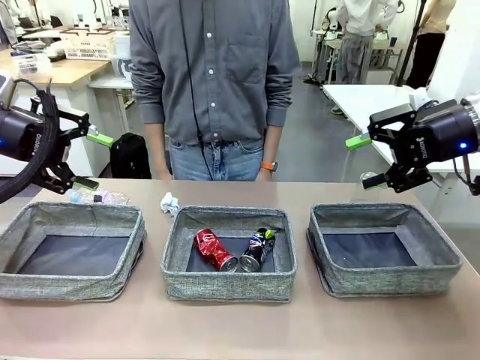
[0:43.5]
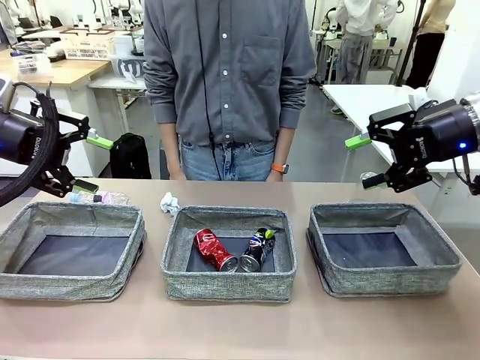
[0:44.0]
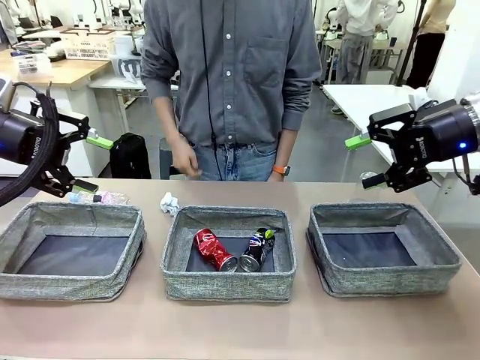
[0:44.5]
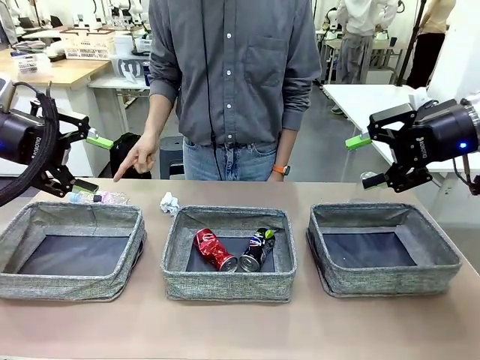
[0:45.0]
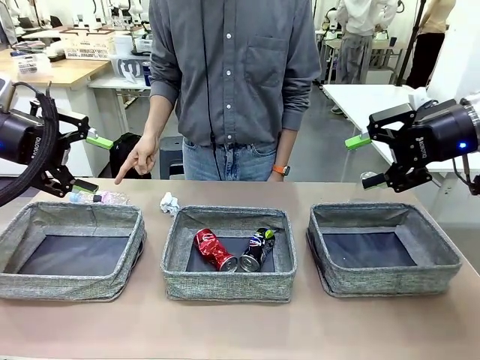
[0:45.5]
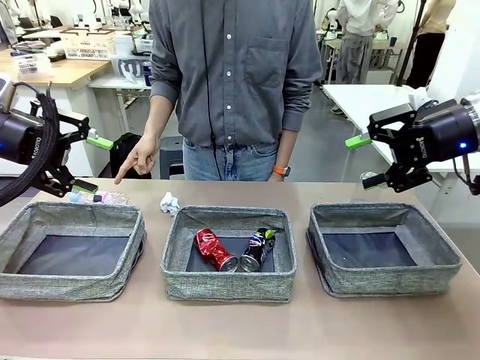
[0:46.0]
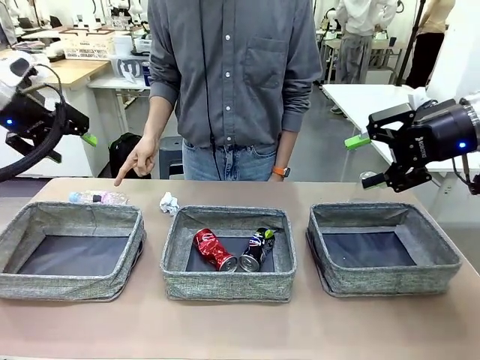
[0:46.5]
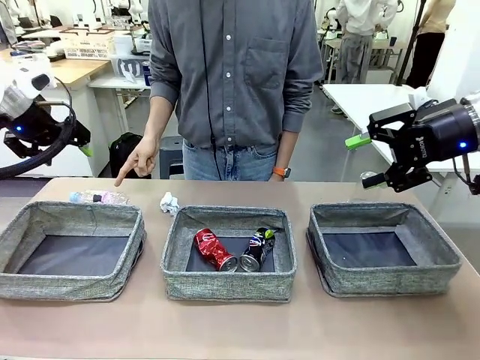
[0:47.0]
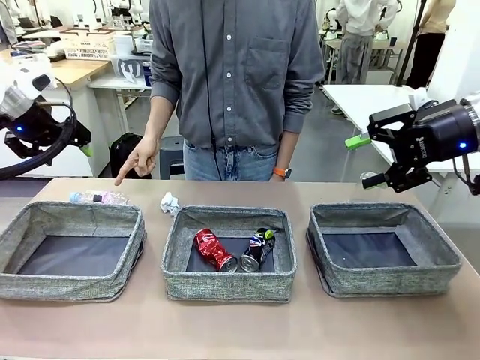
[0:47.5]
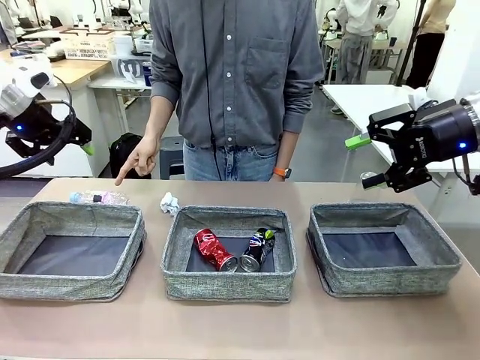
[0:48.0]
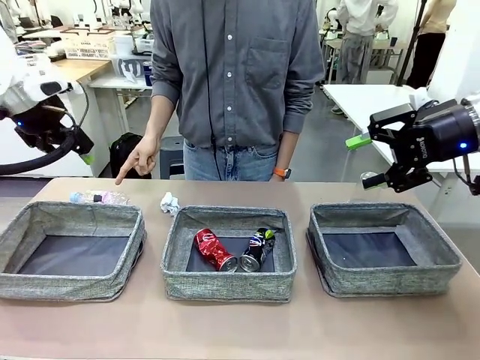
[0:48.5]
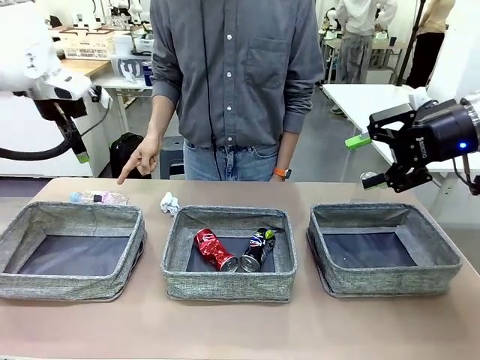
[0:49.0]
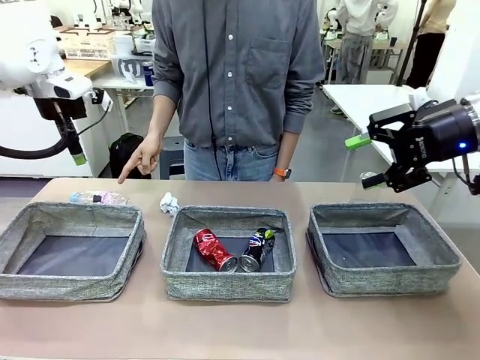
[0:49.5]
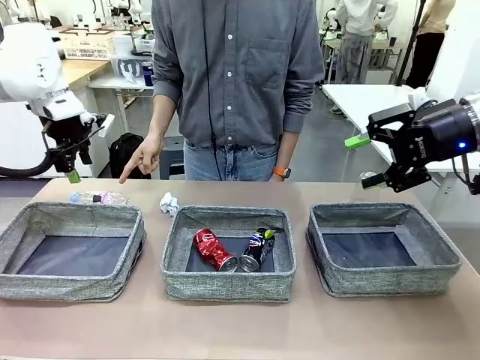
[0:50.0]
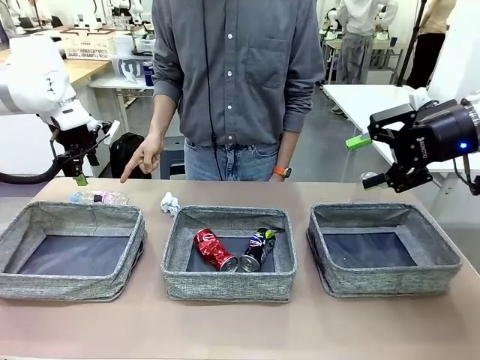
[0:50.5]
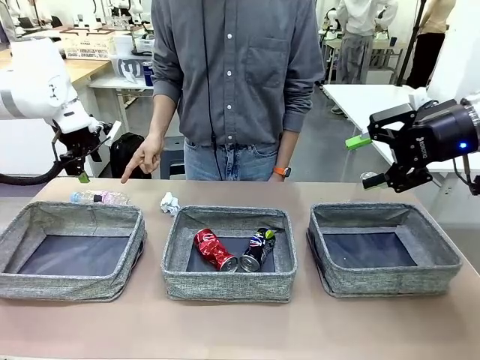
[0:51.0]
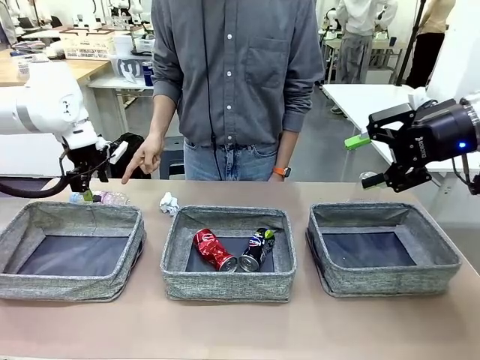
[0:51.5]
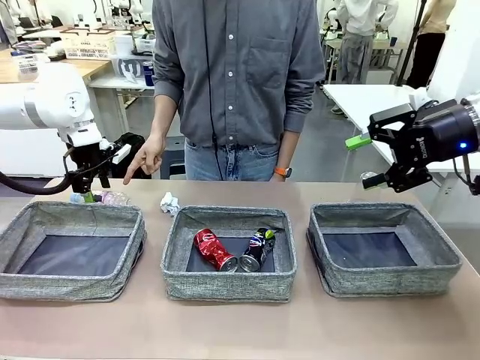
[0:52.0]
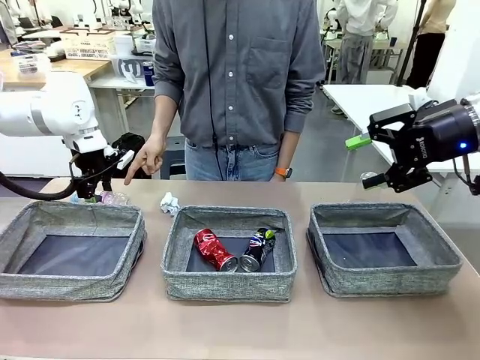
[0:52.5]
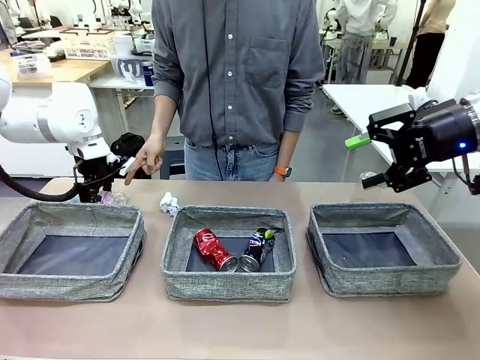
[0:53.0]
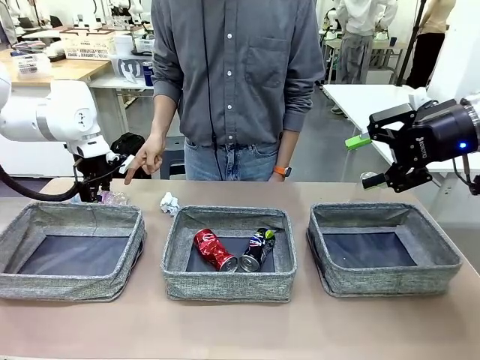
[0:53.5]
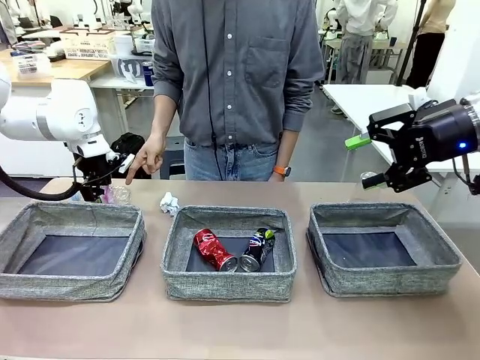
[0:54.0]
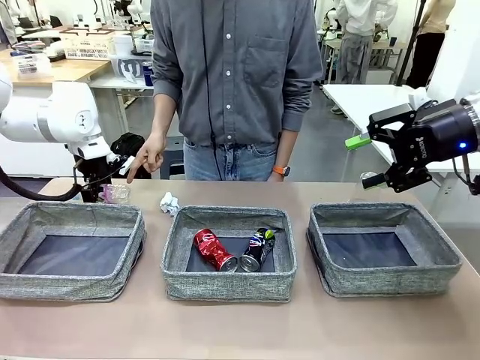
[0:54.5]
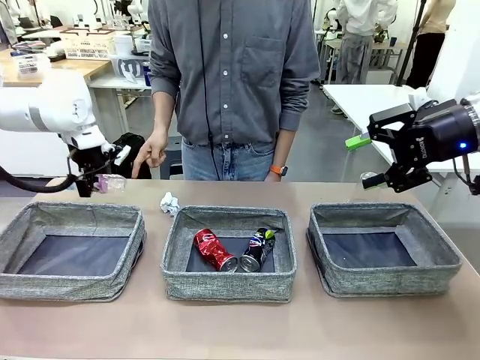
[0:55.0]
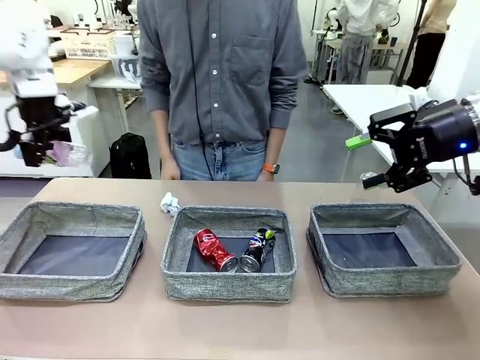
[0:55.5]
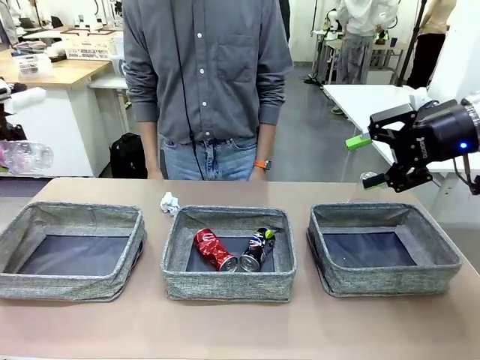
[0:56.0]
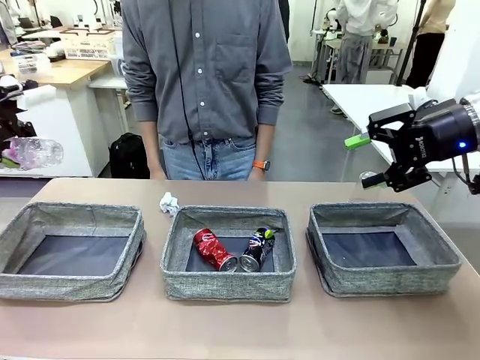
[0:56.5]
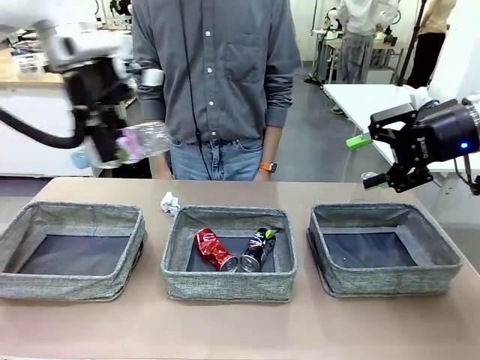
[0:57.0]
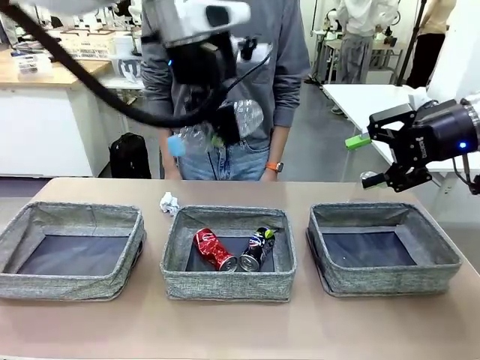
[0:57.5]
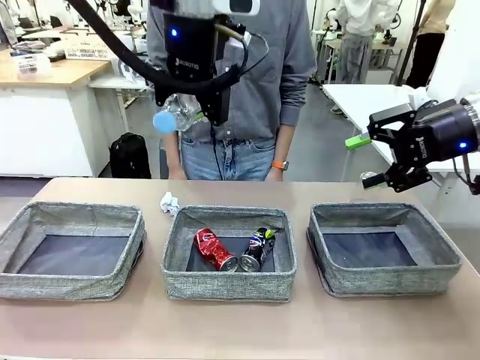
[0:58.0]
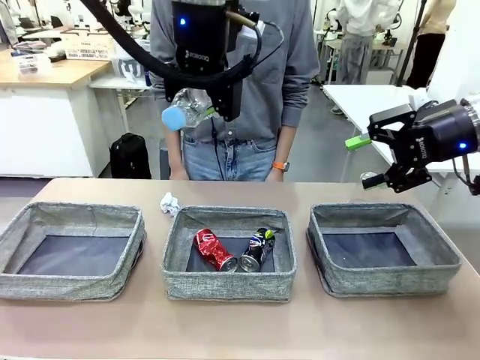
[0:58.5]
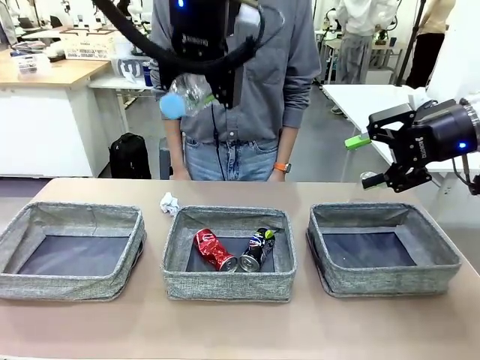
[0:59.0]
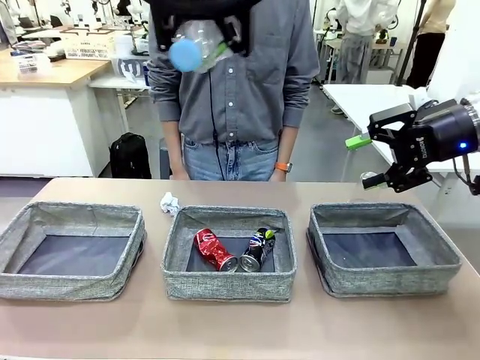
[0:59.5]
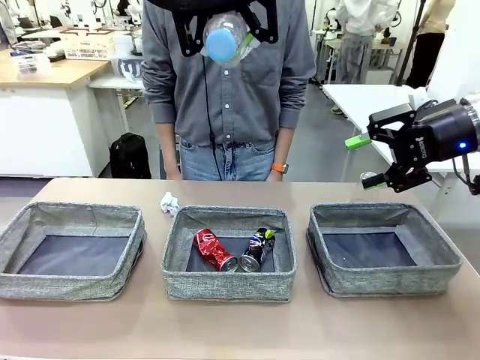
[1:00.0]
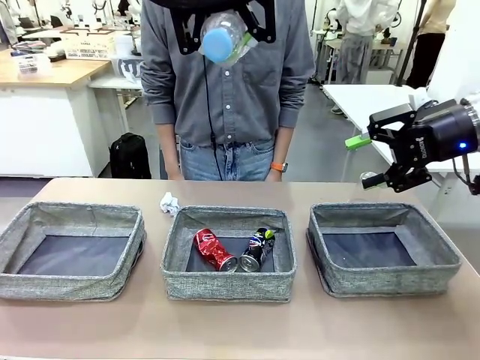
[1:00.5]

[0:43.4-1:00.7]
Task: Sort the waste into the appropriate baskets.
Robot: Pick up the waste item pointed out by the person.
Person: Points to one piece of trash on the table.

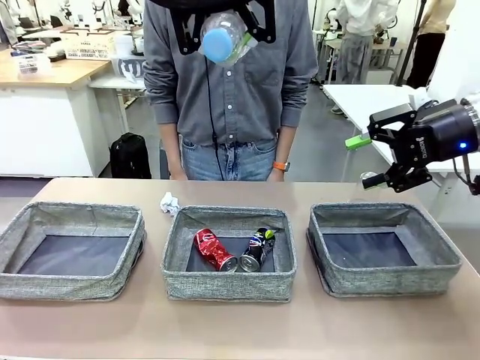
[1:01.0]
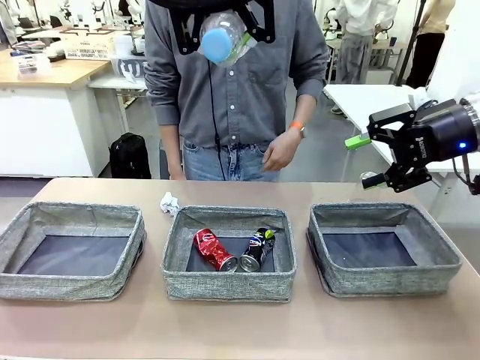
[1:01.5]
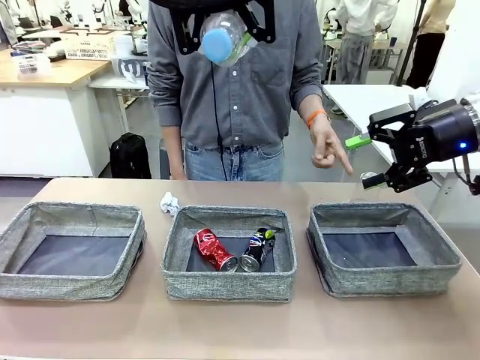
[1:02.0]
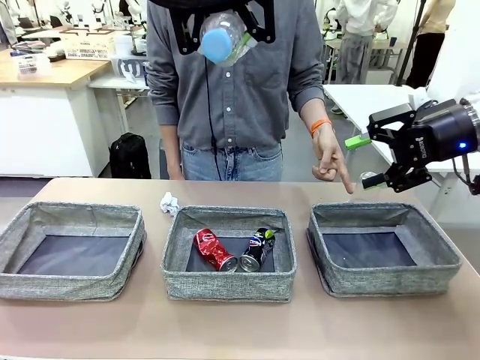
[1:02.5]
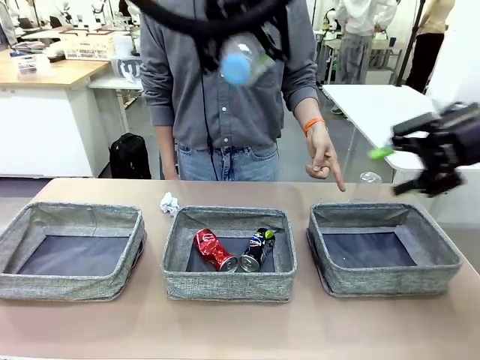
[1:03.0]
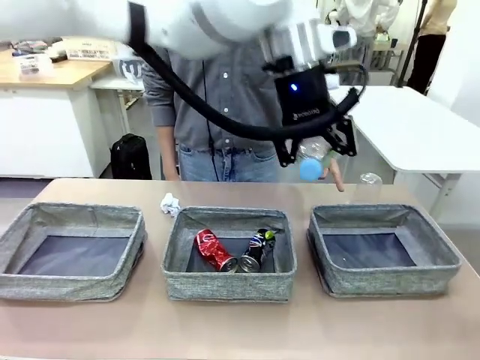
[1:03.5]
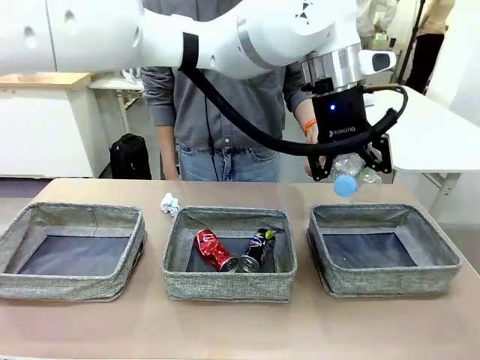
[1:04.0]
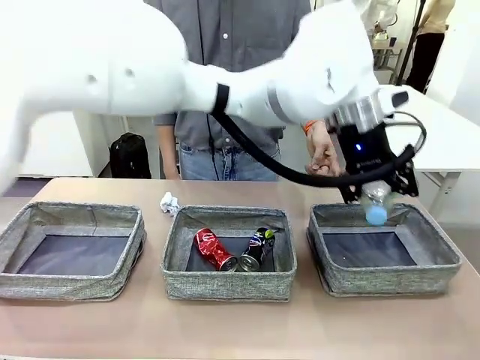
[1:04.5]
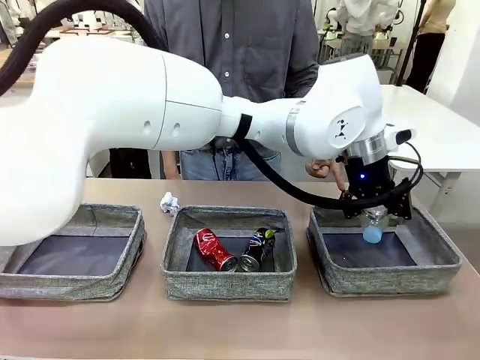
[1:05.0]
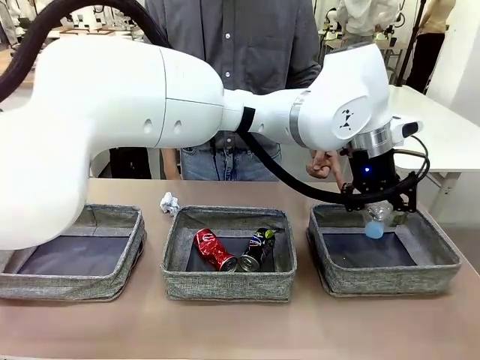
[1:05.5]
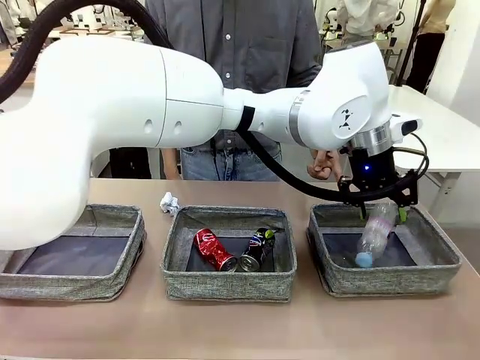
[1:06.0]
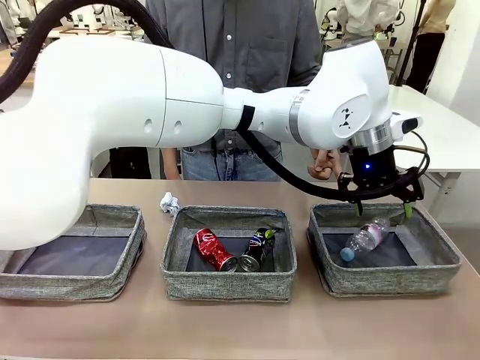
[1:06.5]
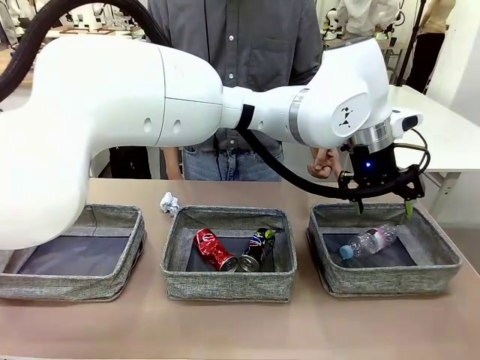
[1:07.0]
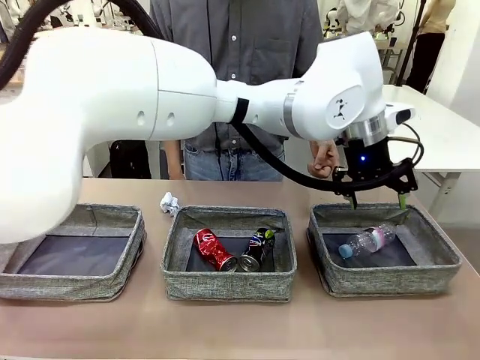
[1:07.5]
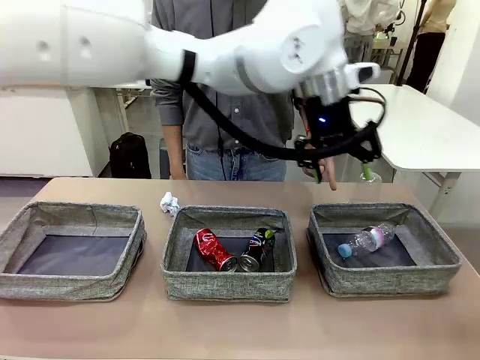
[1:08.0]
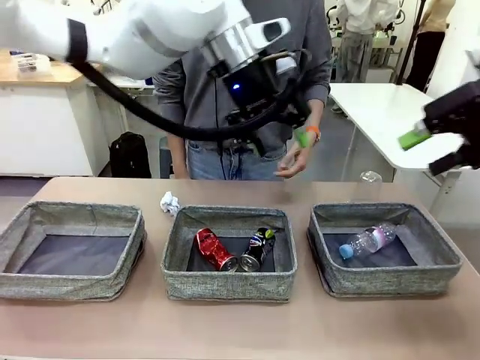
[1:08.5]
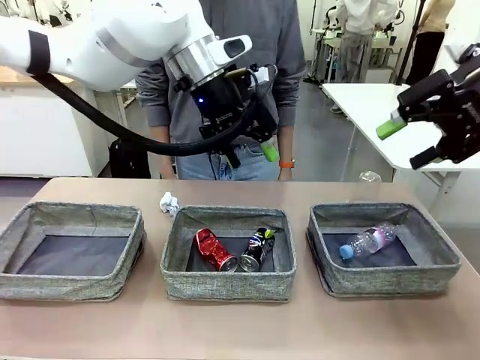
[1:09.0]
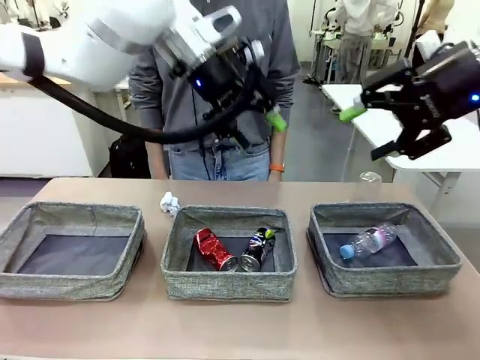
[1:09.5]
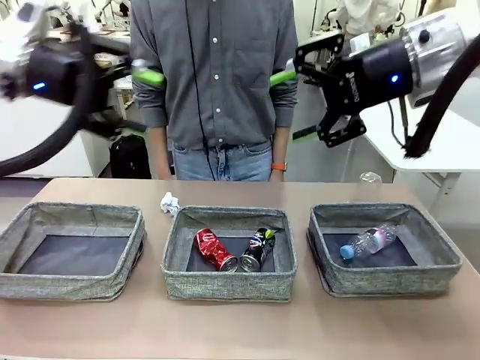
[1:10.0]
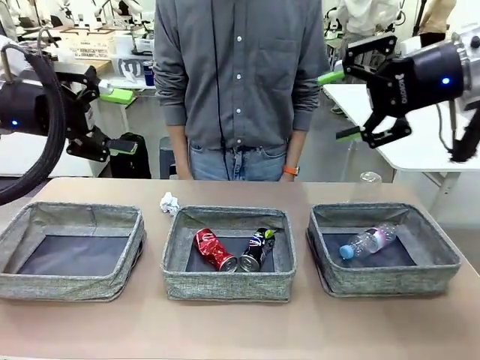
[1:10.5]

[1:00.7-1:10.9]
Robot: Place the picked waste into the Fabric basket indicated by the person.
Person: Instructs the robot to place the picked-up trash into the appropriate organizing basket.
